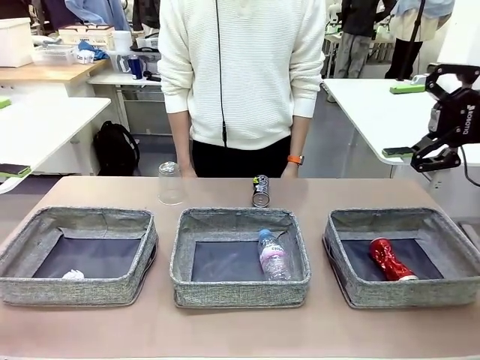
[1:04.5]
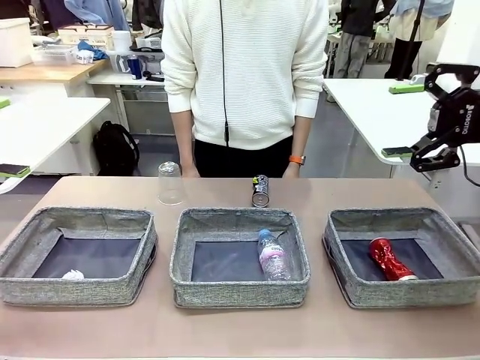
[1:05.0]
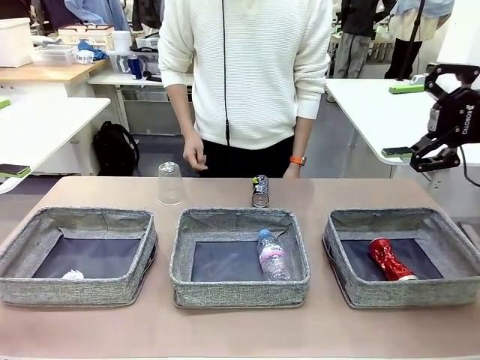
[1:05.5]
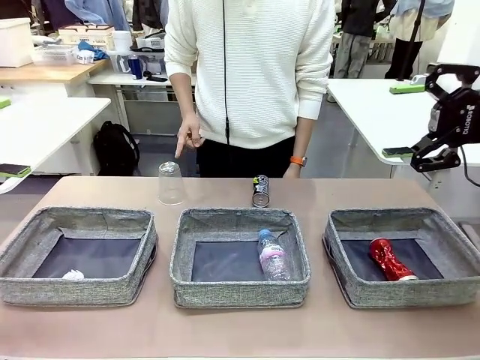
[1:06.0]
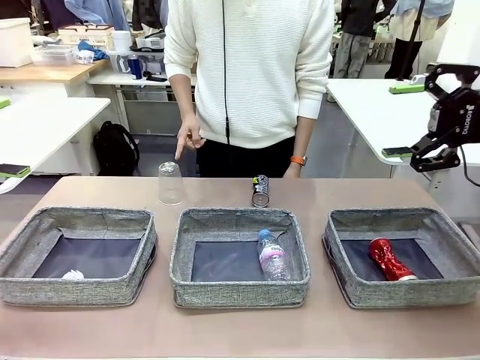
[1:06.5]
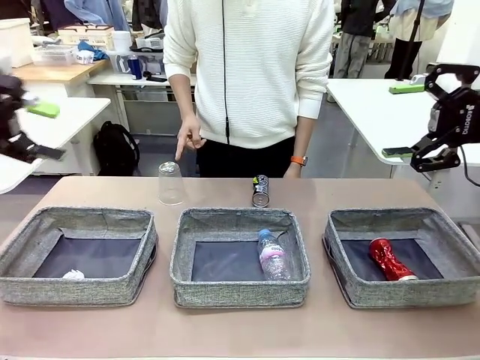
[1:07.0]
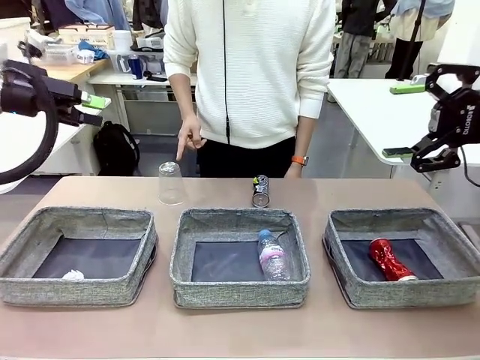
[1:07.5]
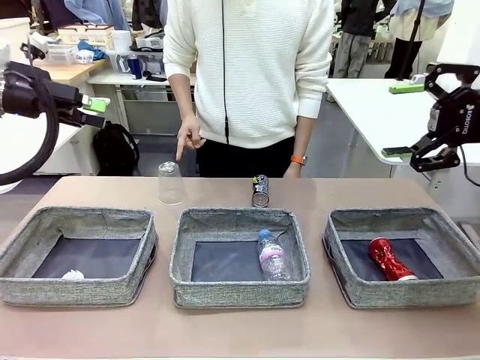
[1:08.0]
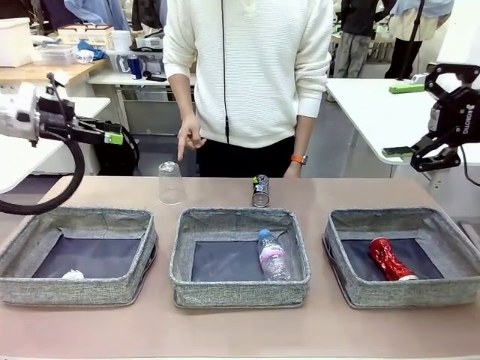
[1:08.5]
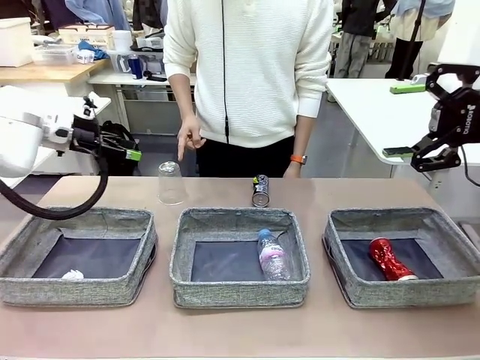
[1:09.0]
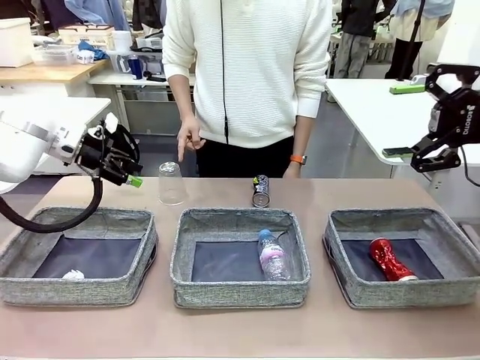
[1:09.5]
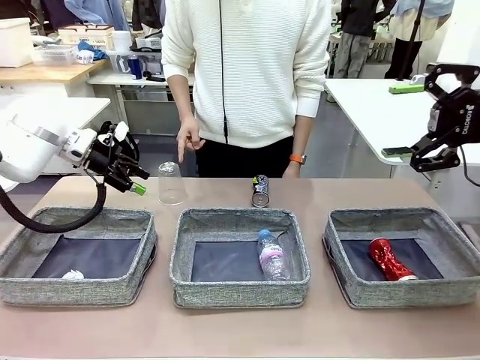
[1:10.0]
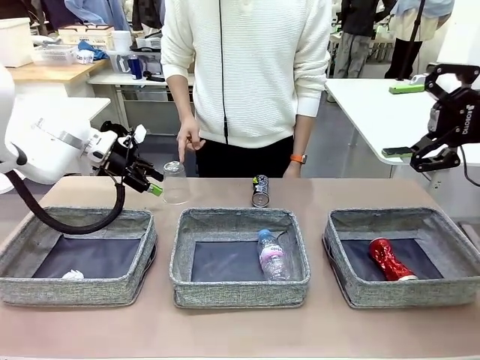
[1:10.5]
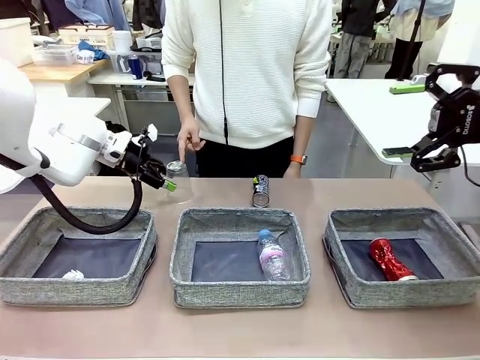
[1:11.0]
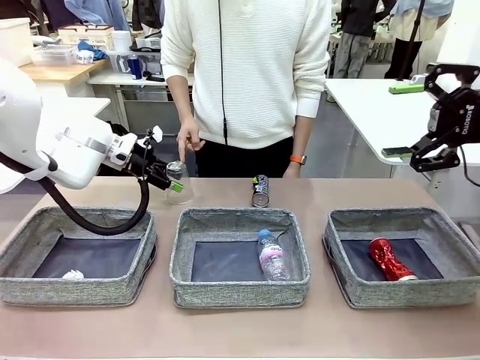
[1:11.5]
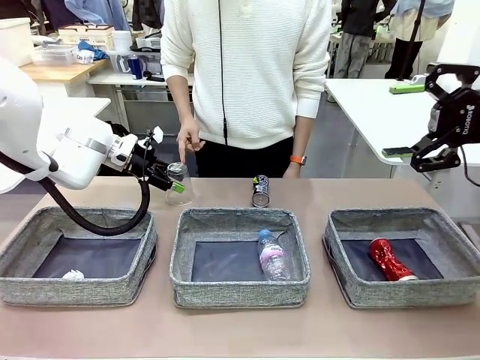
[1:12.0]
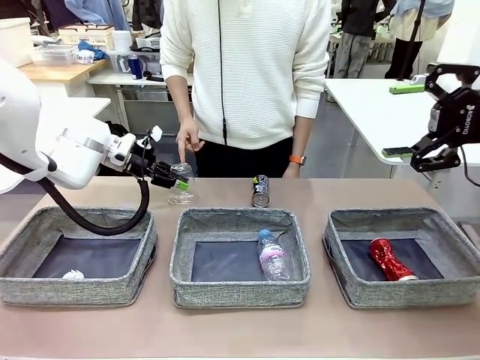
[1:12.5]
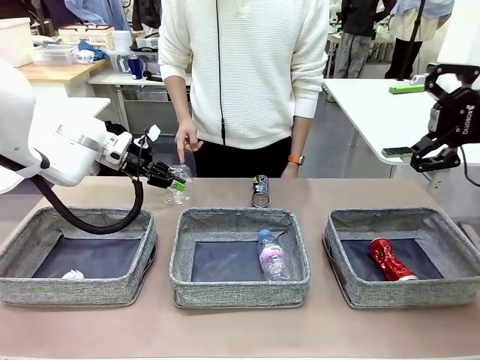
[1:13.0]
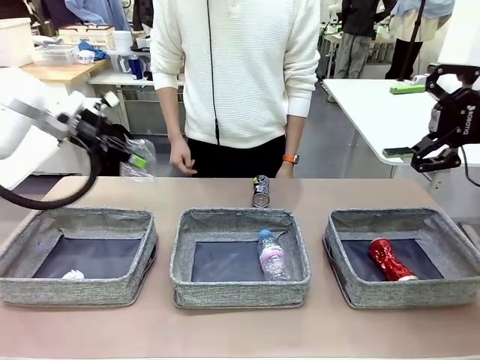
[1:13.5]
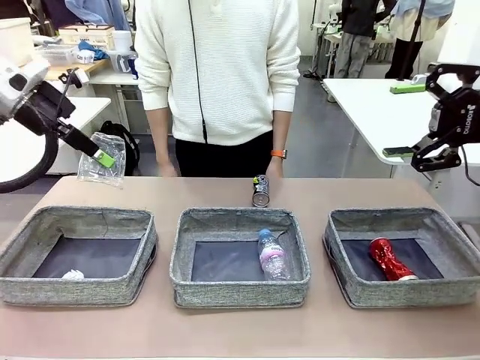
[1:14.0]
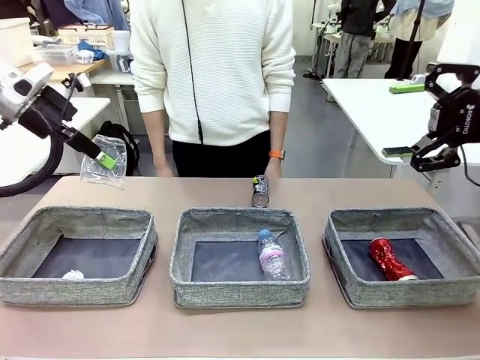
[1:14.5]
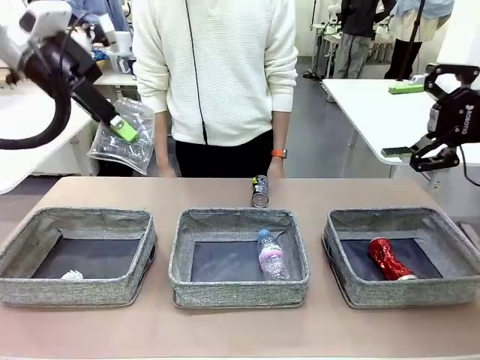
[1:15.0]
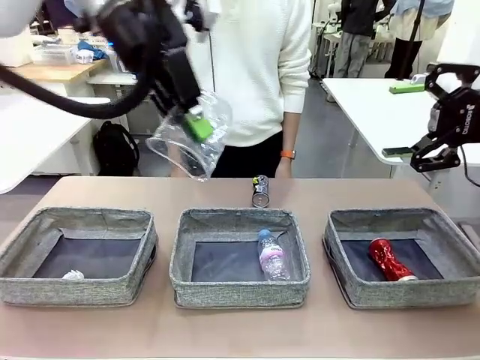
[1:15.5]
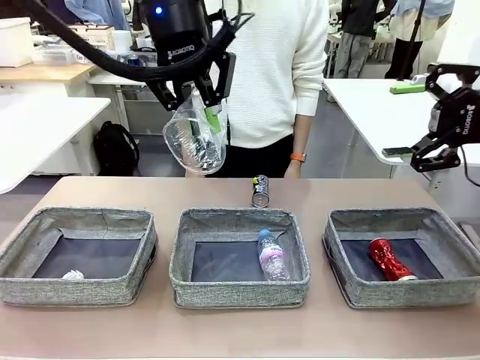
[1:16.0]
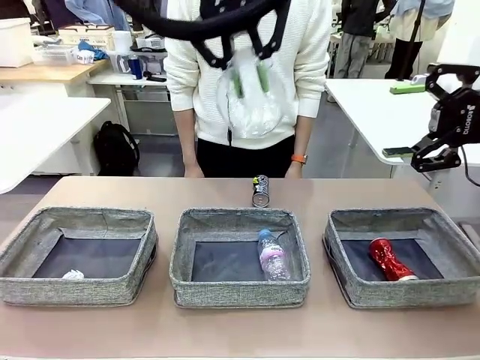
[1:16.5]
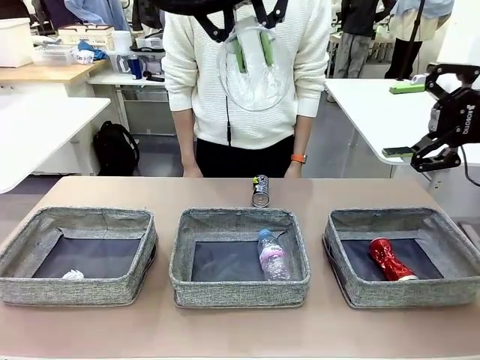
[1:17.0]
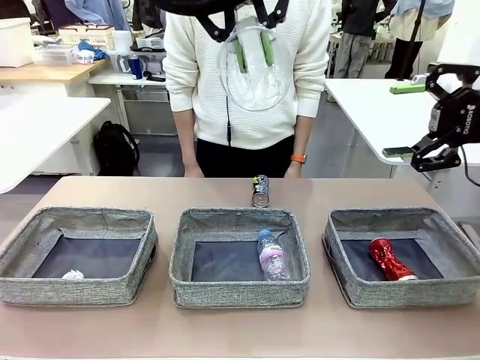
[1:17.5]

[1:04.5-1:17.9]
Task: Sort the waste into the appropriate baskets.
Robot: Pick up the waste item pointed out by the person.
Person: Points to one piece of trash on the table.

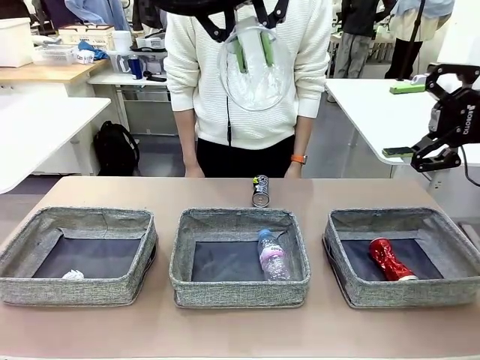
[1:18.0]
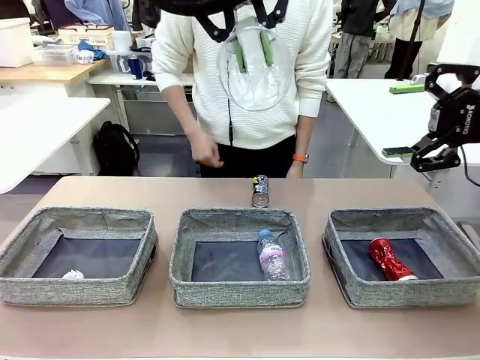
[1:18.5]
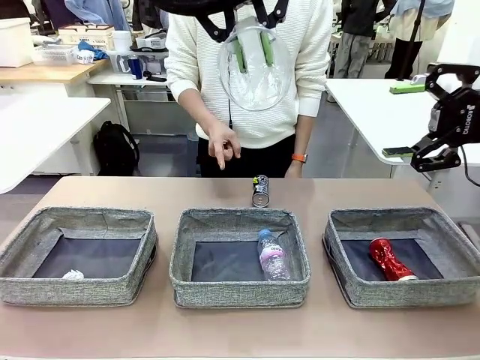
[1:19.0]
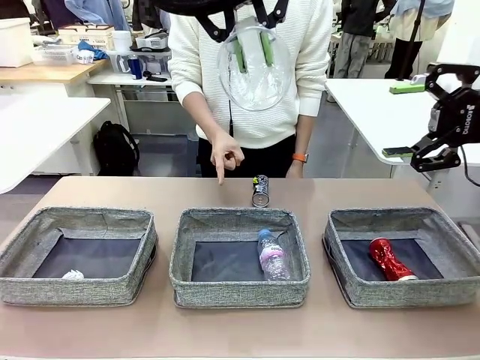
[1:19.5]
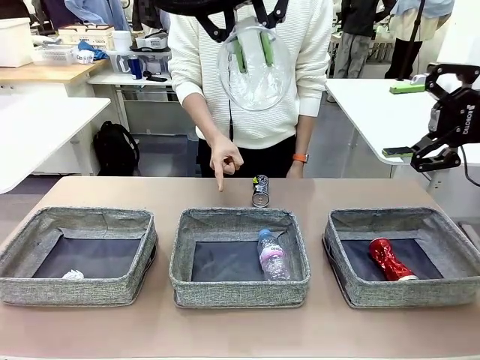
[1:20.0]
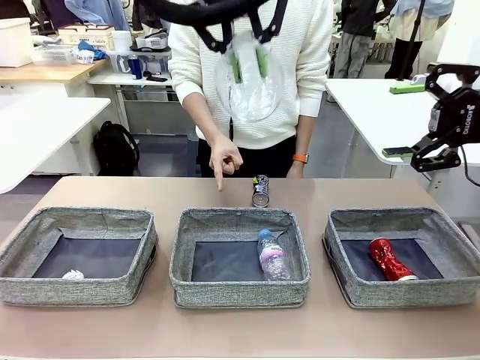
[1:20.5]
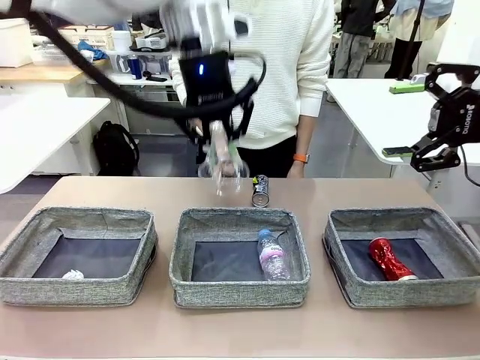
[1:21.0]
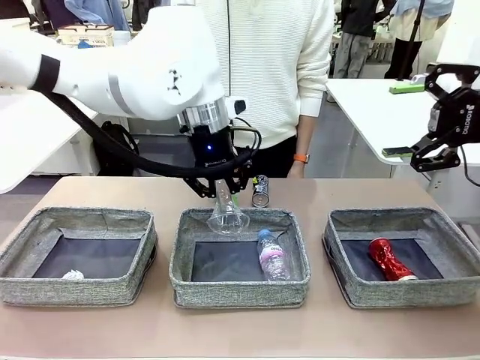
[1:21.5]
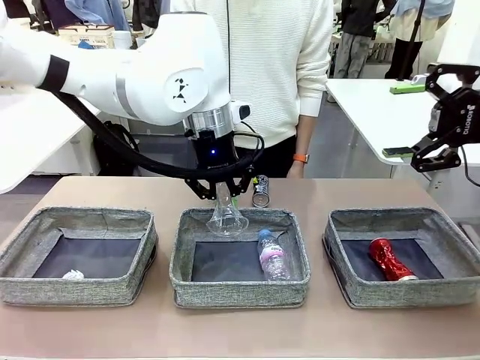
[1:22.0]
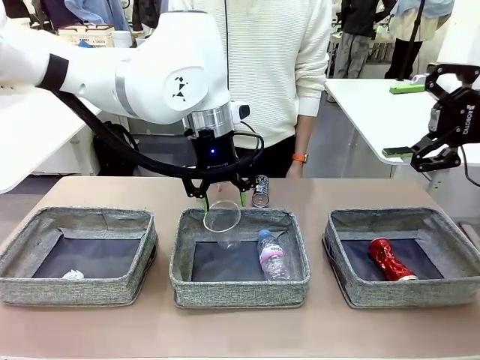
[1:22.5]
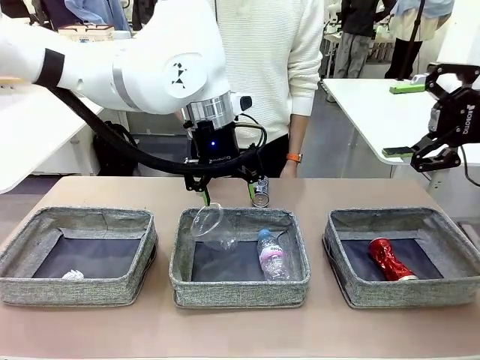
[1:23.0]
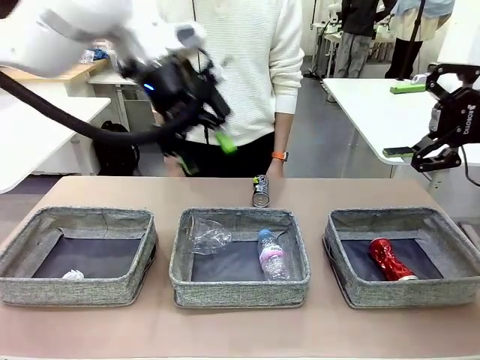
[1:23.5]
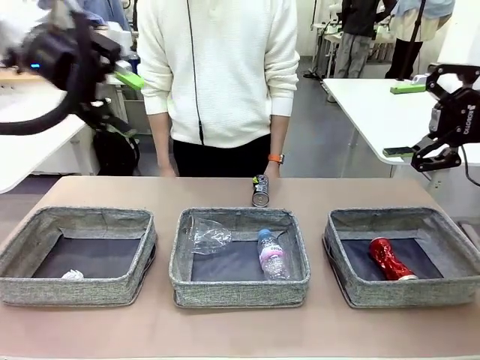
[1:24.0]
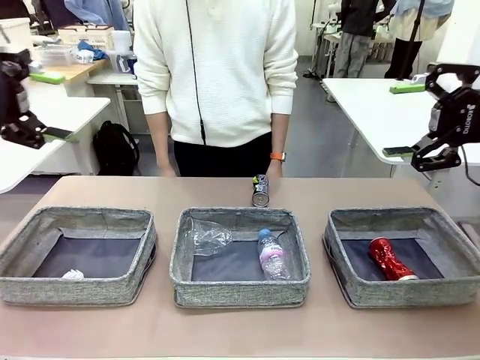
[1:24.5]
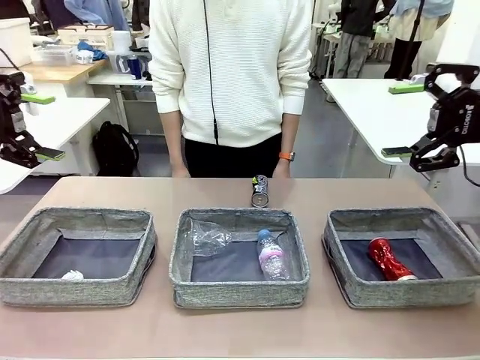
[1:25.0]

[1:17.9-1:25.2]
Robot: Place the picked waste into the Fabric basket indicated by the person.
Person: Instructs the robot to place the picked-up trash into the appropriate organizing basket.
